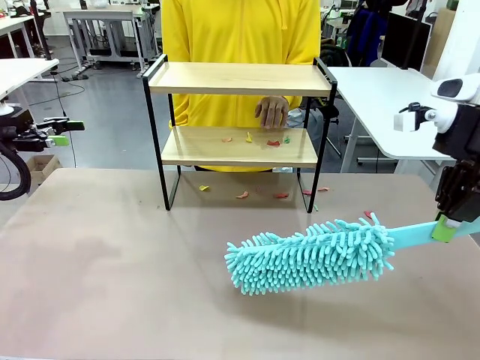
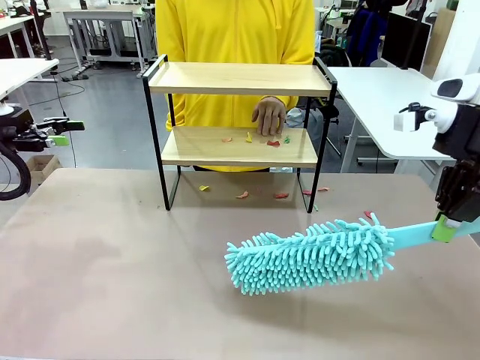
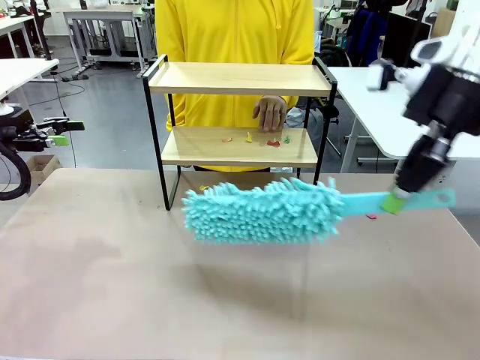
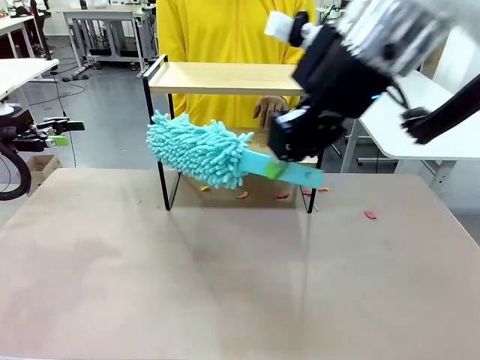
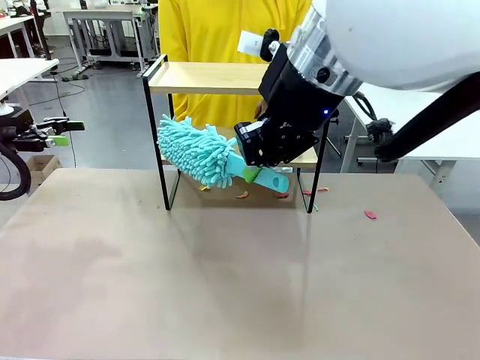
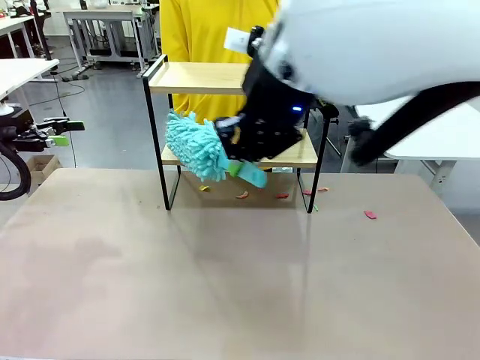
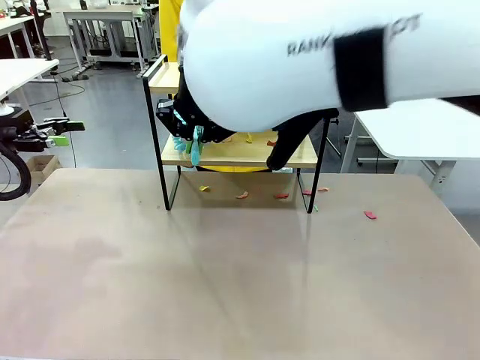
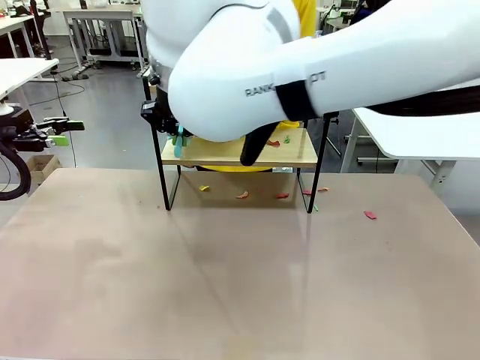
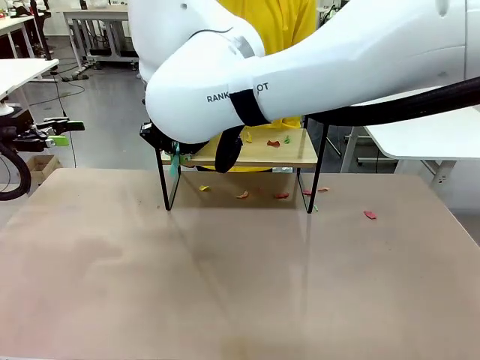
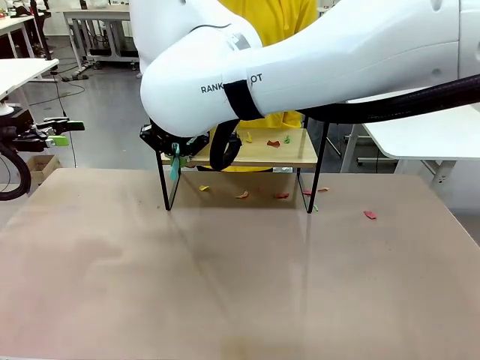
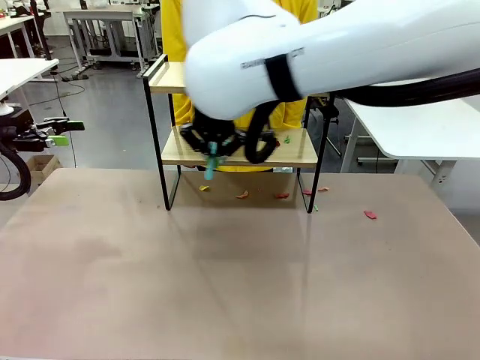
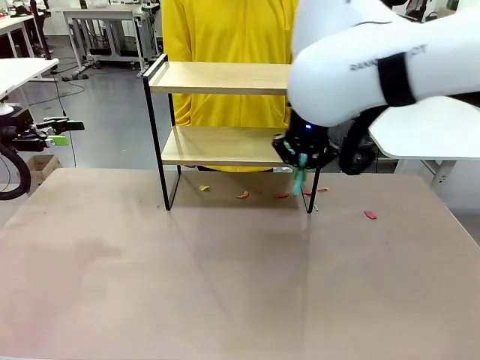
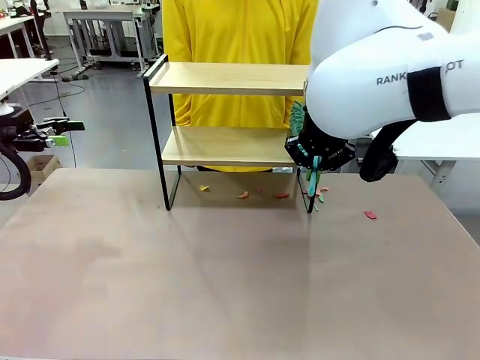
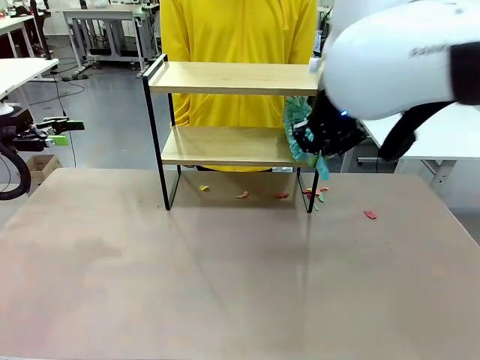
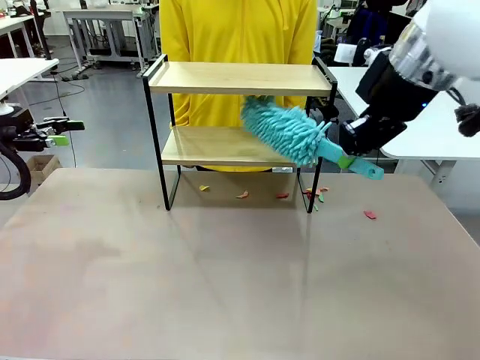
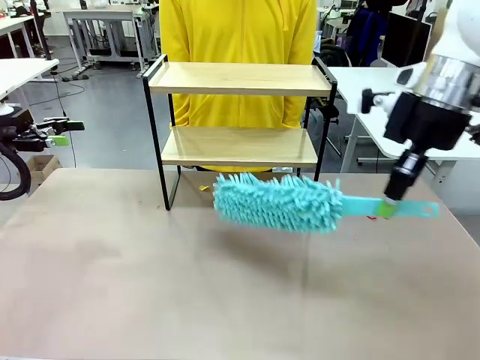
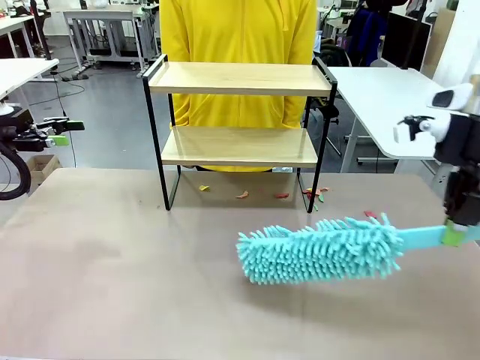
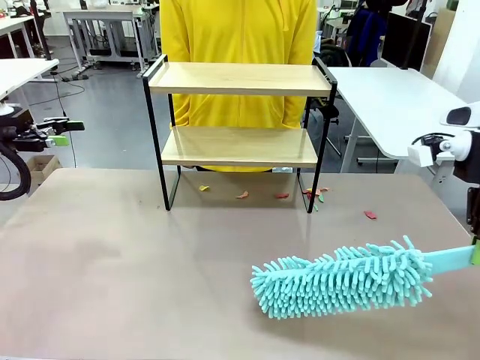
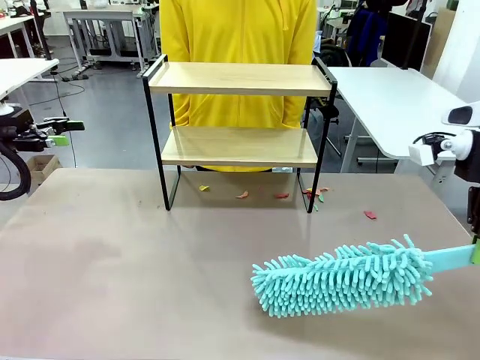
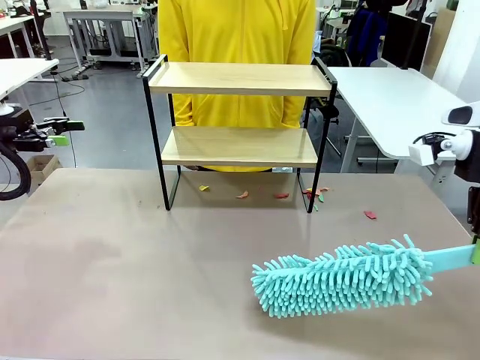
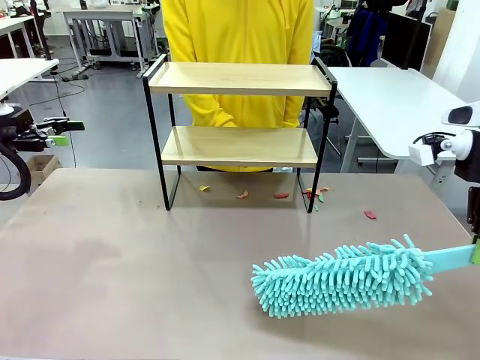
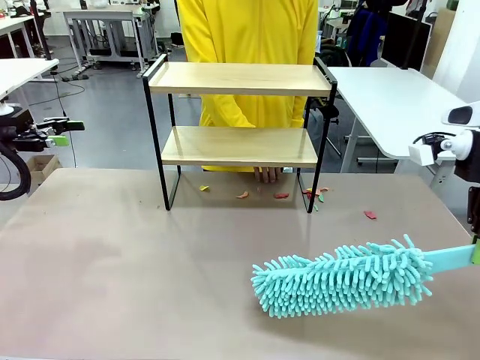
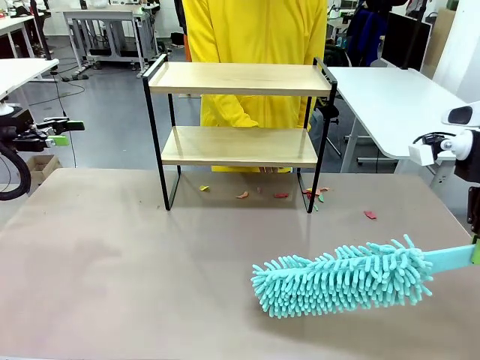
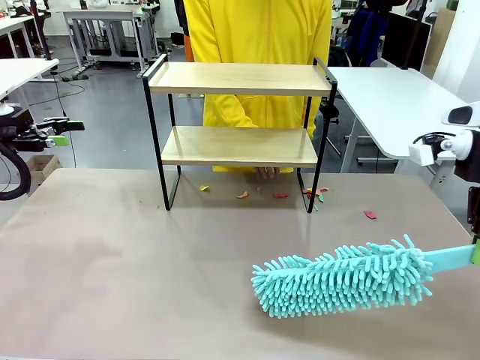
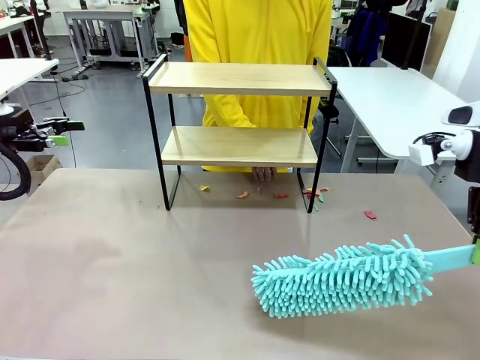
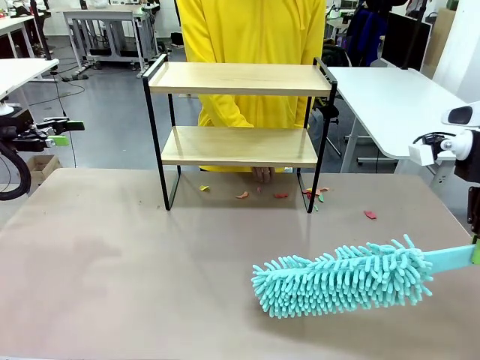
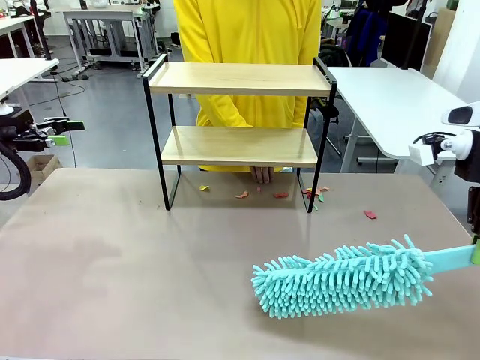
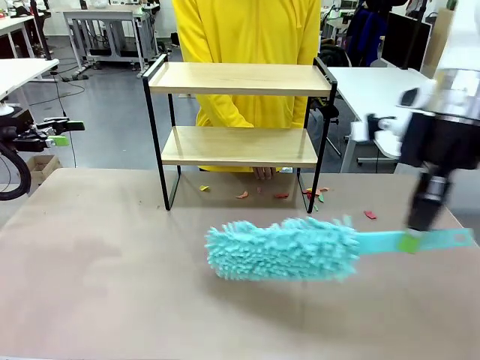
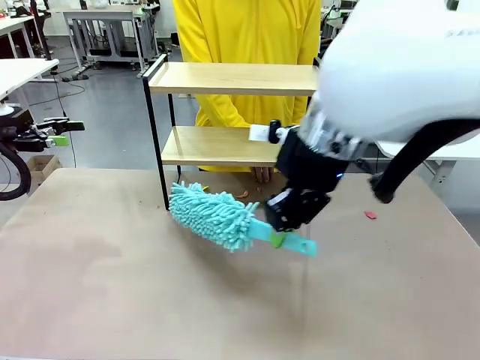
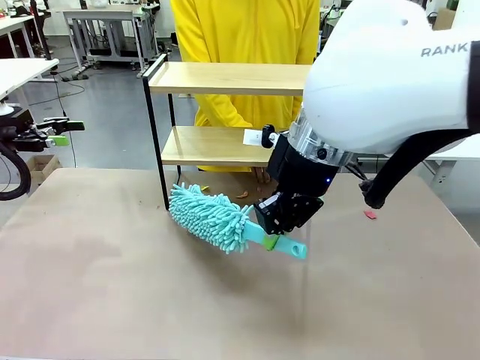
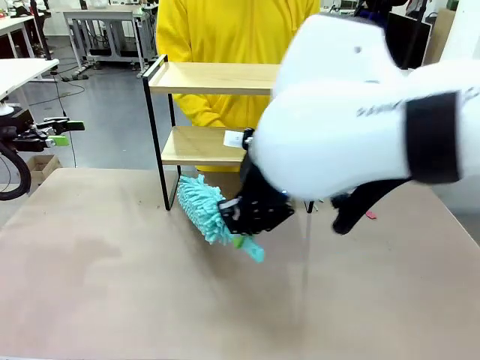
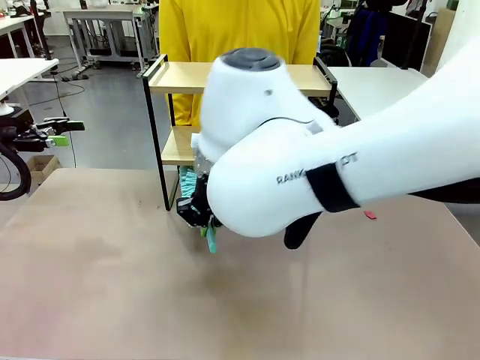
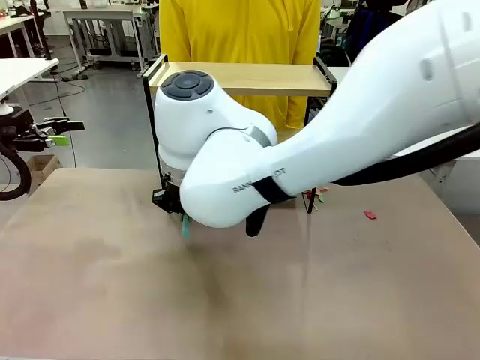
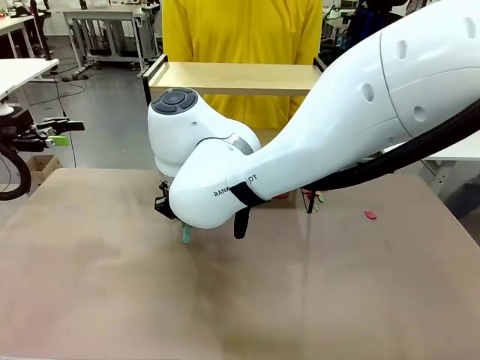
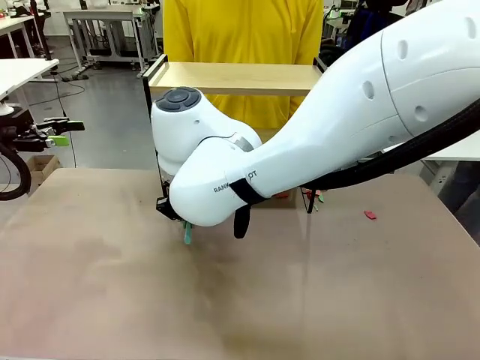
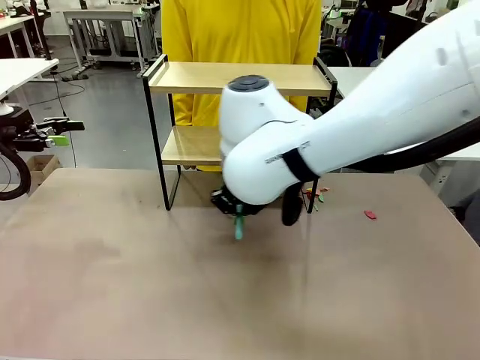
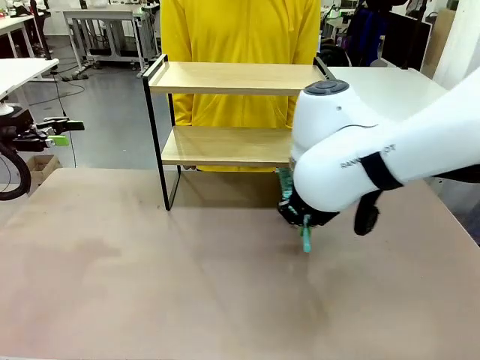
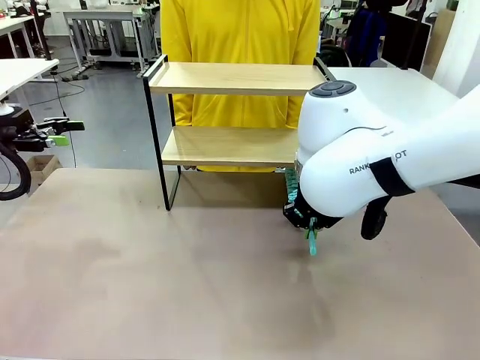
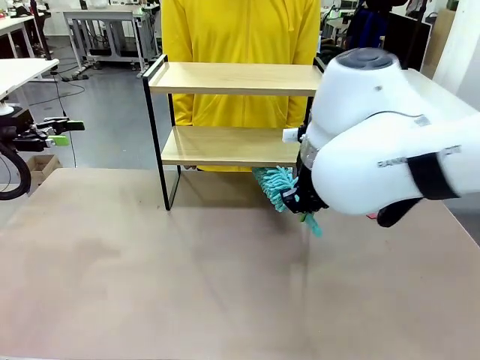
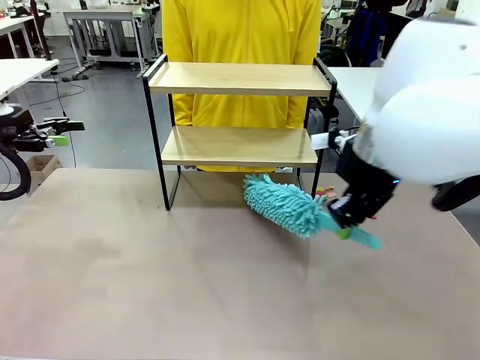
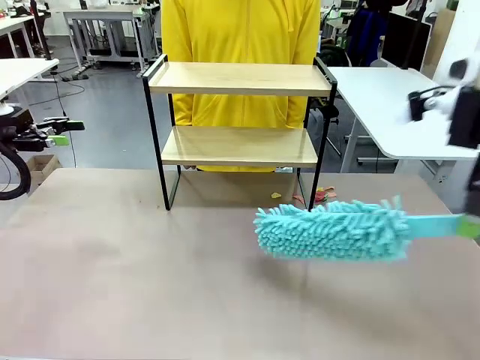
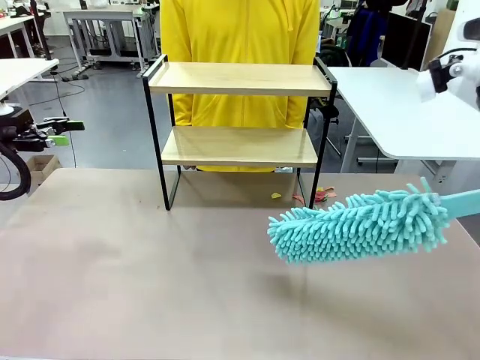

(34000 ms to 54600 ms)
Task: Clean the shelf.
Robot: Clean the specific section of the Shelf indicated by the human with the Duster.
Person: Point a remaining section of the Shelf.

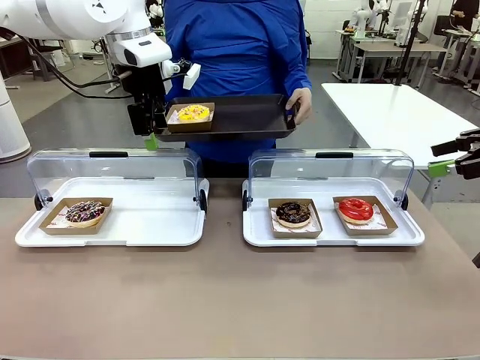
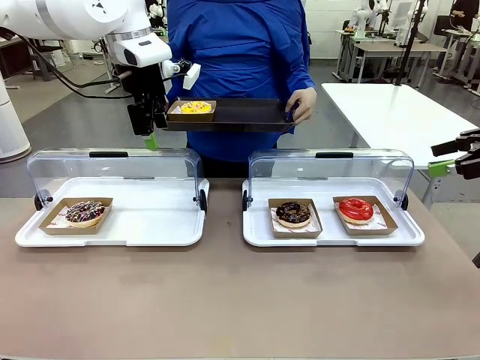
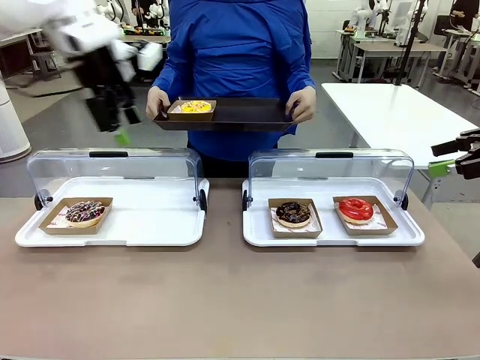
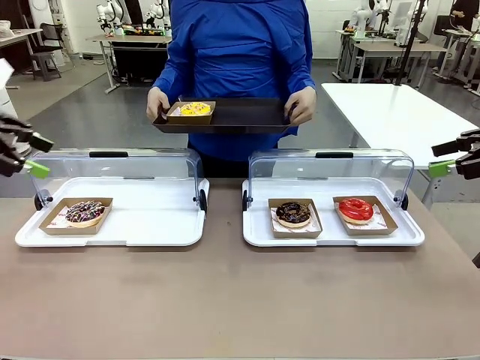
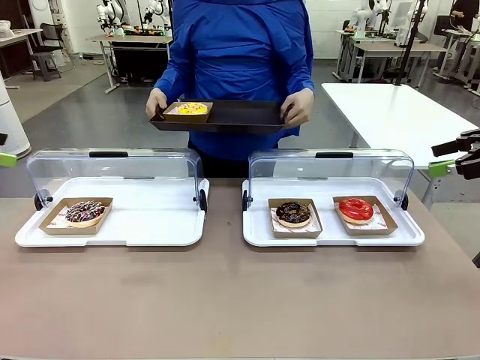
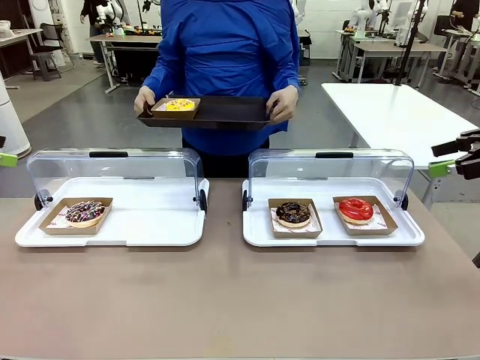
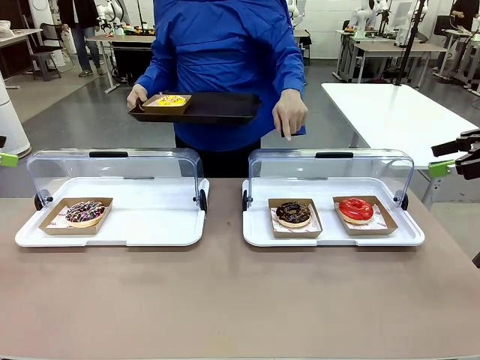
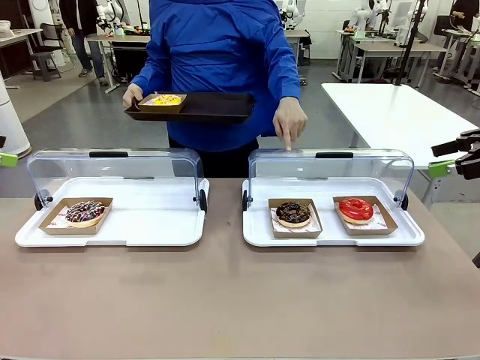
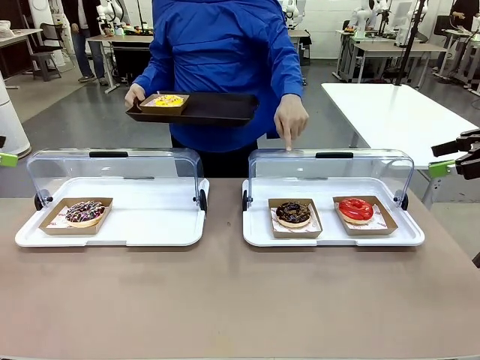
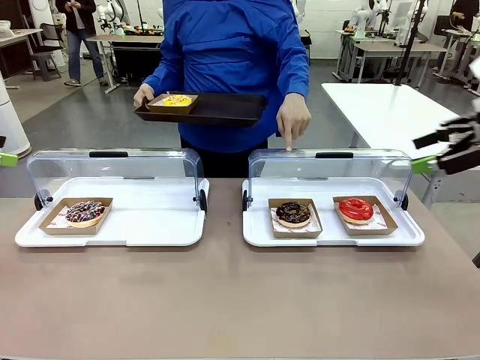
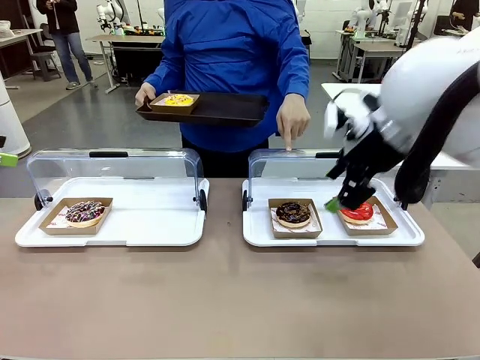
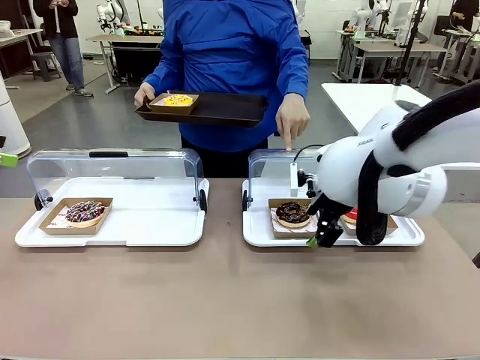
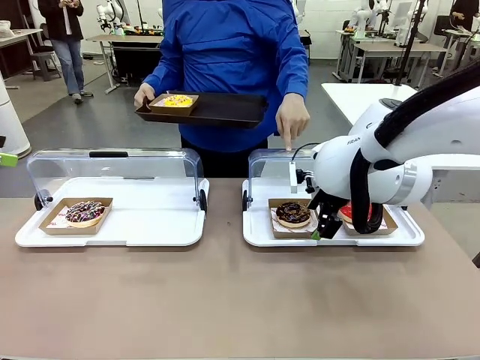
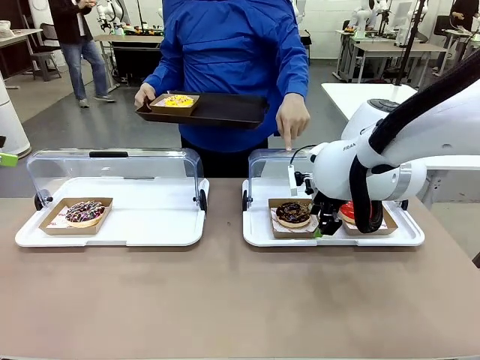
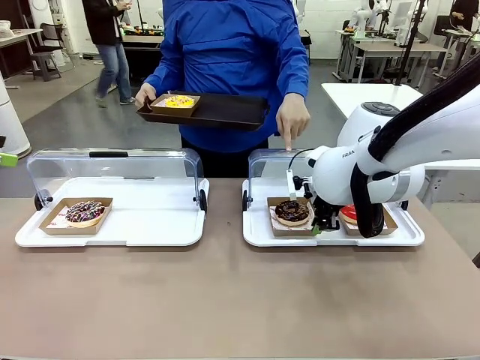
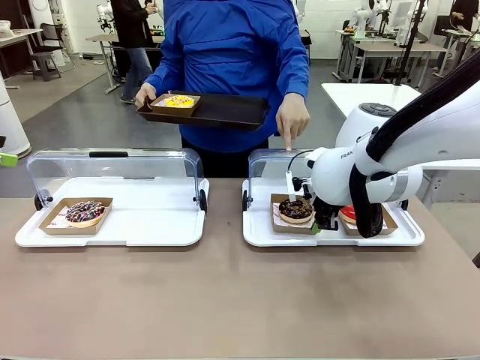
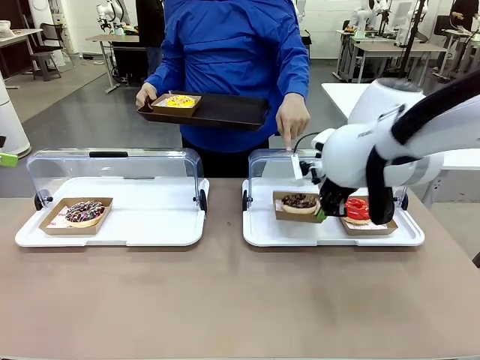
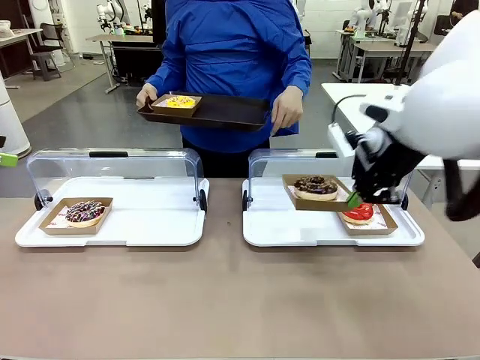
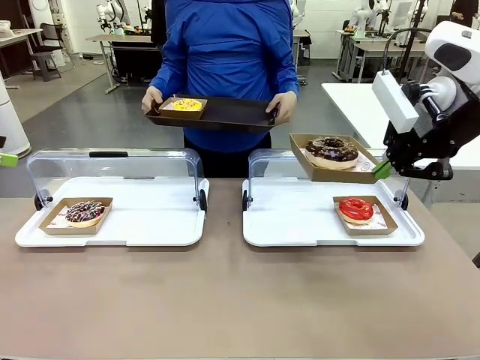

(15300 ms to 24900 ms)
Task: Provide the desired donut to the person.
Robot: Pick up and lift the Paper togo box containing the Donut pointed at by the person.
Person: Lift the tray onto the Roll-Top Bakery Case.
